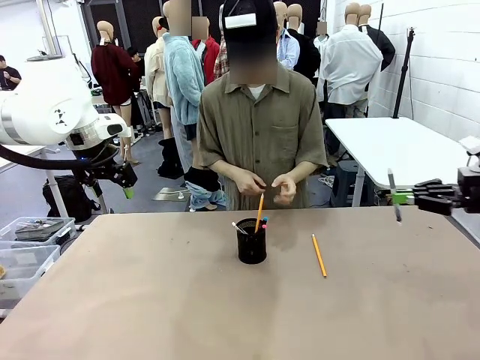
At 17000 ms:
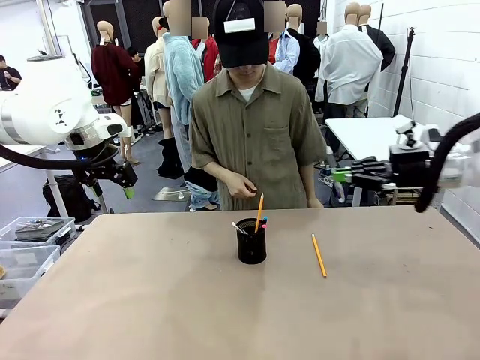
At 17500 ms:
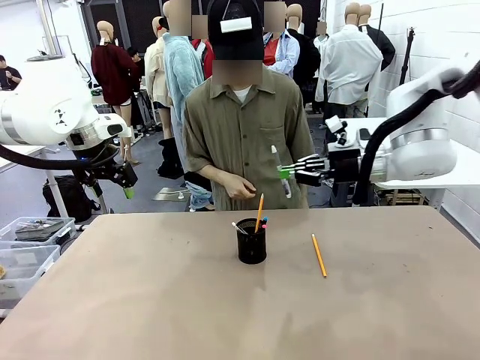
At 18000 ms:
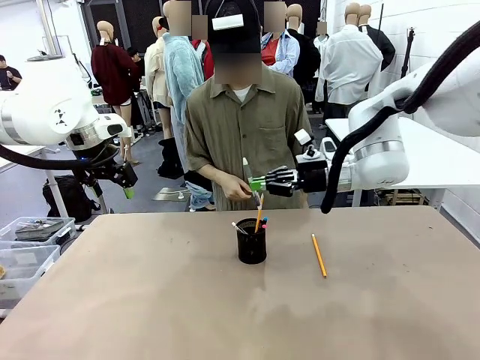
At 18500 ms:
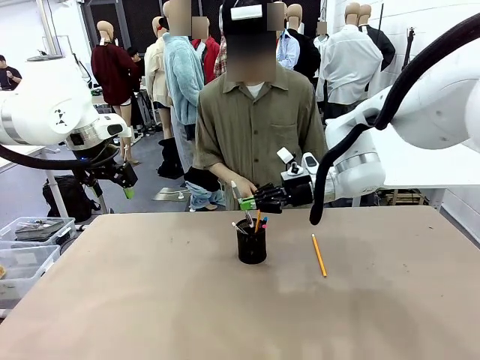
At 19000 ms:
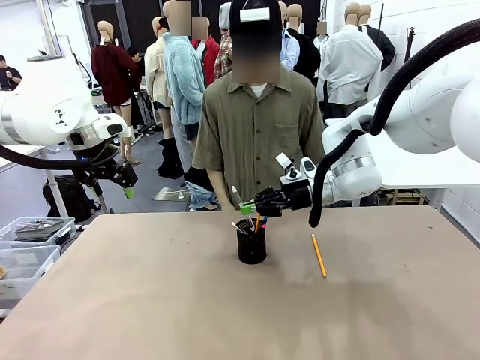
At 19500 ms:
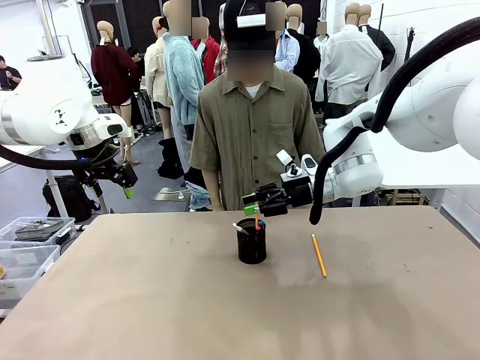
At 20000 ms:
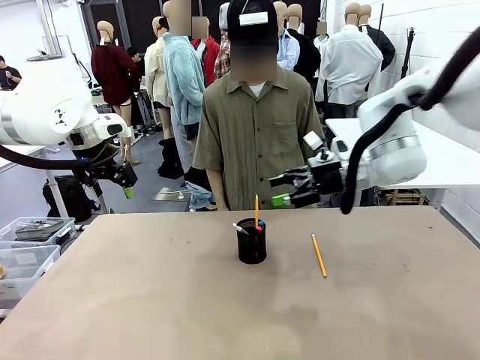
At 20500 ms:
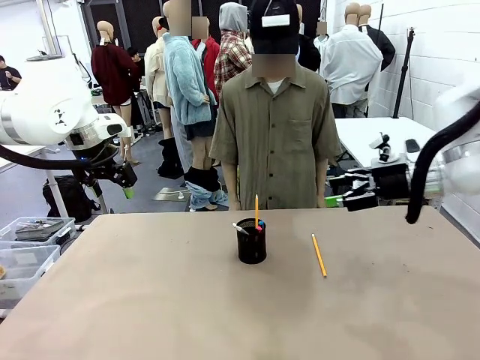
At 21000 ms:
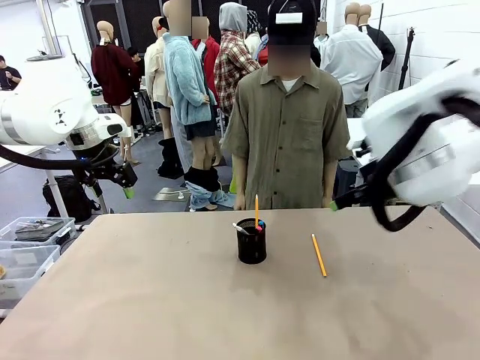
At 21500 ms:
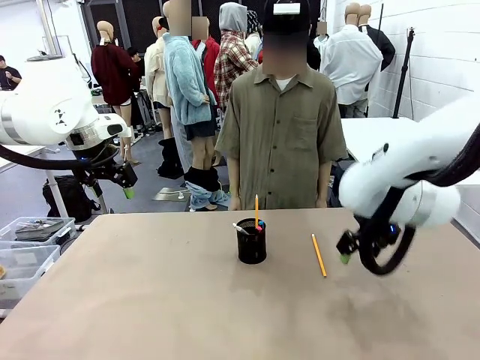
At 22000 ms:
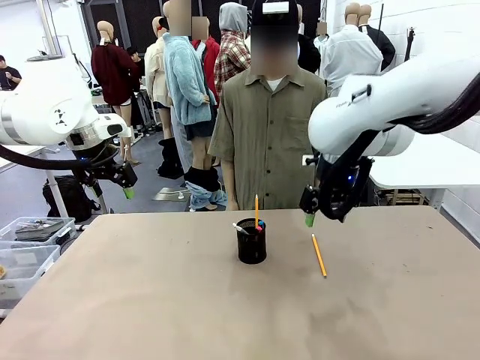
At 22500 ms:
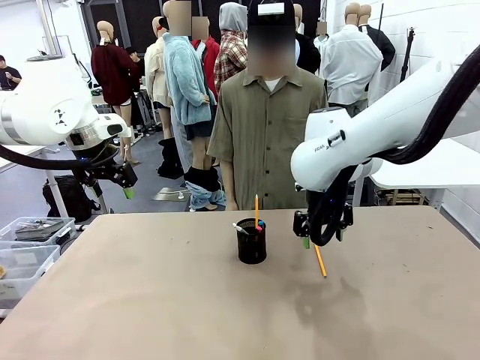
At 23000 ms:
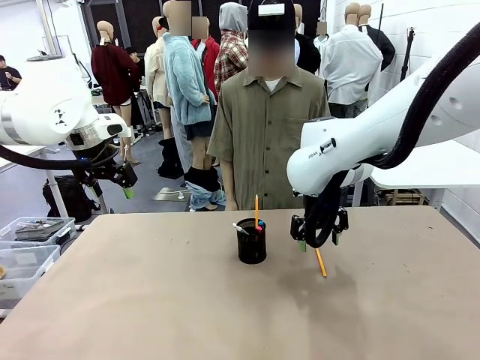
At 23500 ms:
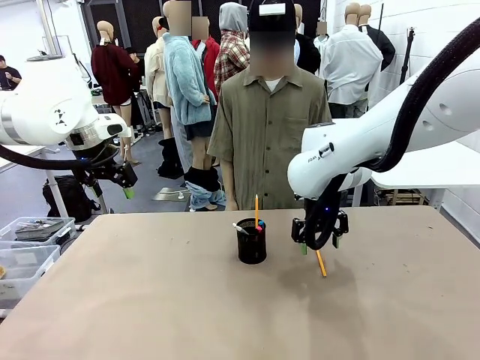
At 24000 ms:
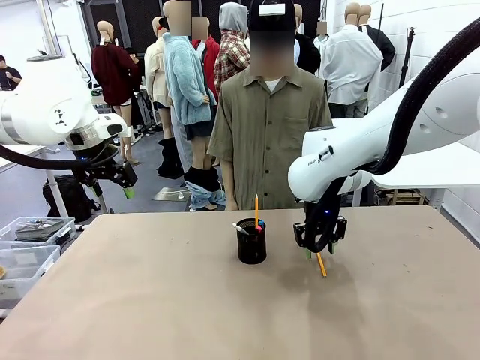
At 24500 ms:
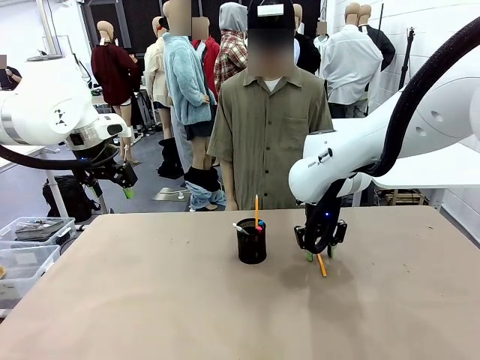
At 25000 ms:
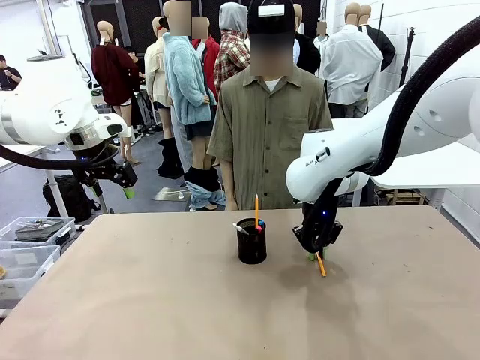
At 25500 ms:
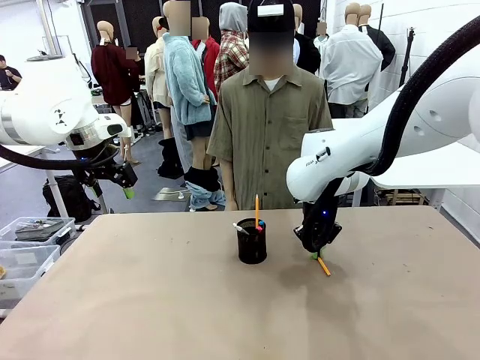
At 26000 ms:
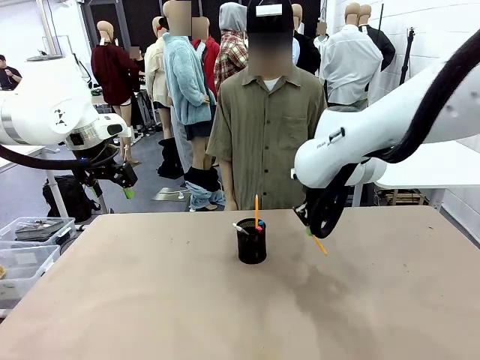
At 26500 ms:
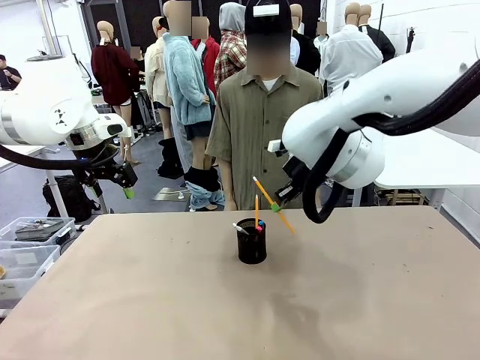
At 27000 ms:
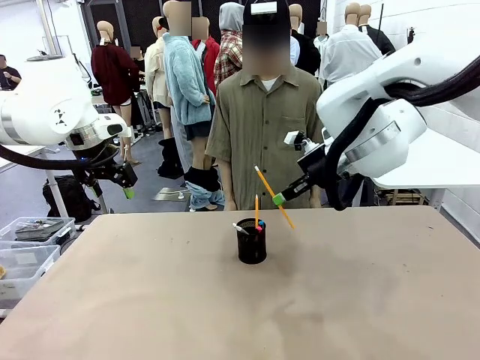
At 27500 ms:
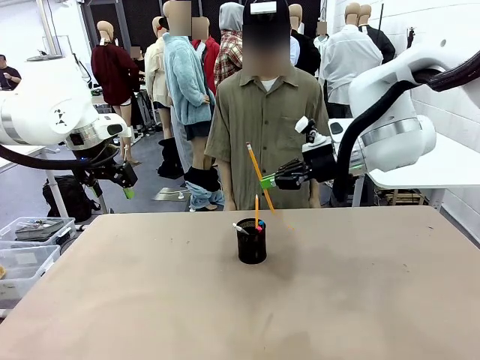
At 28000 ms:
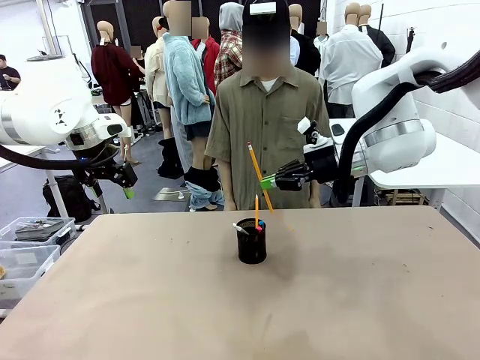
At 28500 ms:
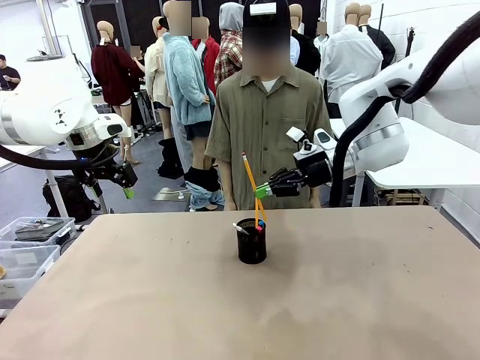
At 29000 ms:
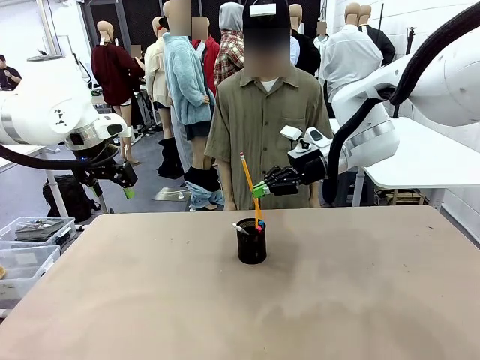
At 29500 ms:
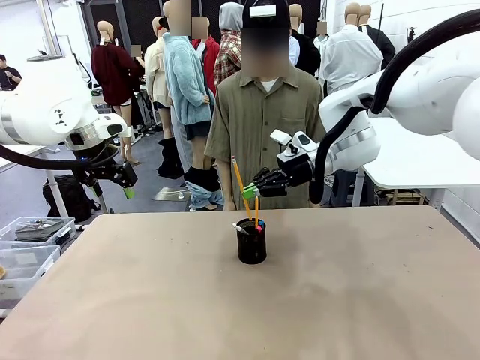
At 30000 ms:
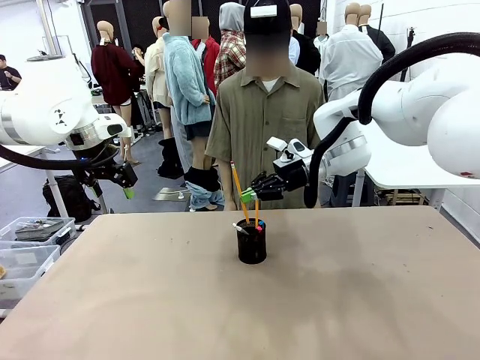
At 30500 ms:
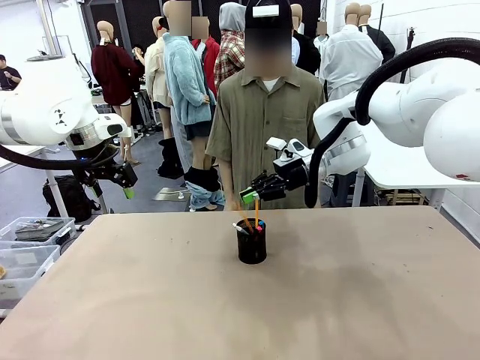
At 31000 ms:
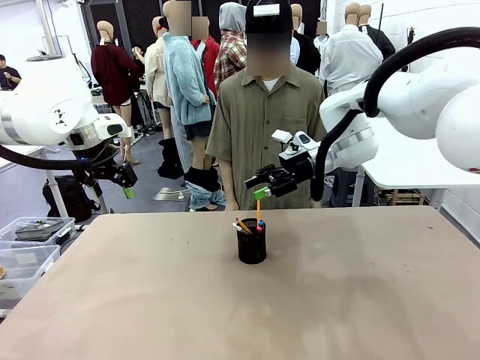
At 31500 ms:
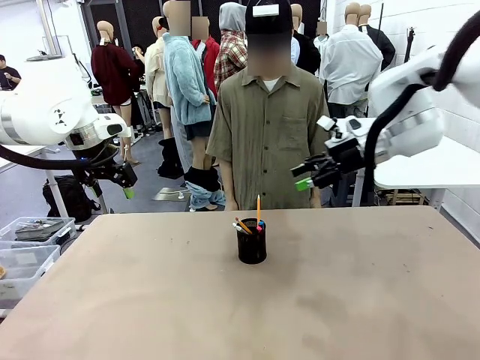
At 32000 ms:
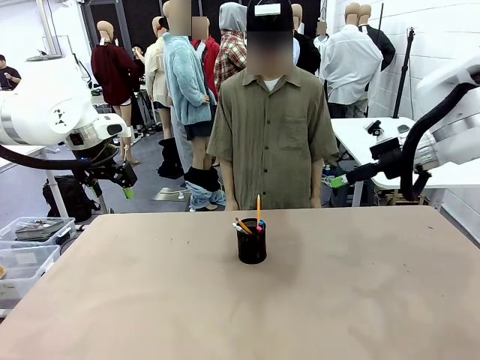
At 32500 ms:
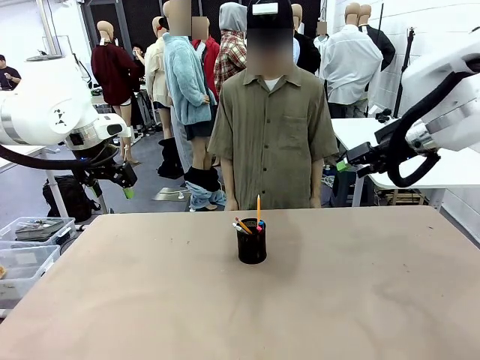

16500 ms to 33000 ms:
Task: Place the pens into the pen holder.
Robot: Pick up a writing instrument from the table and place it into the Pen holder.
Person: Place all writing instrument into the Pen holder.

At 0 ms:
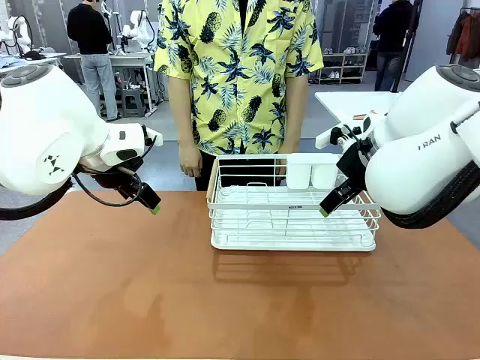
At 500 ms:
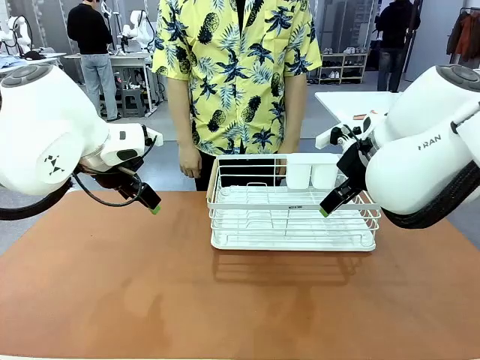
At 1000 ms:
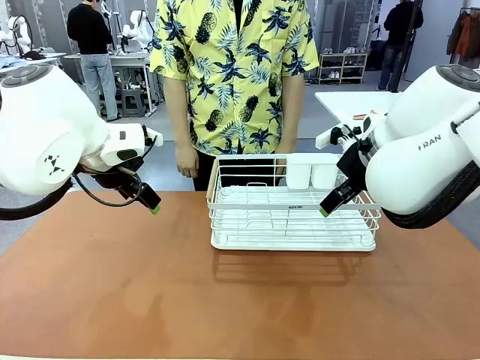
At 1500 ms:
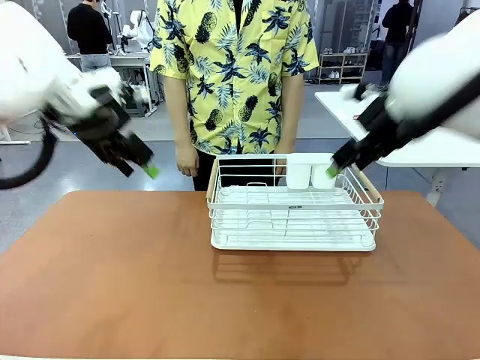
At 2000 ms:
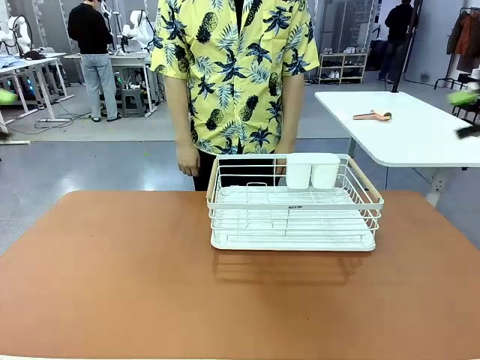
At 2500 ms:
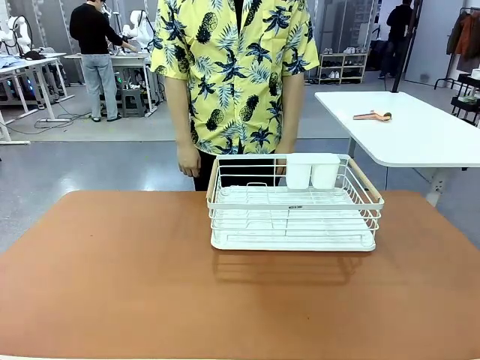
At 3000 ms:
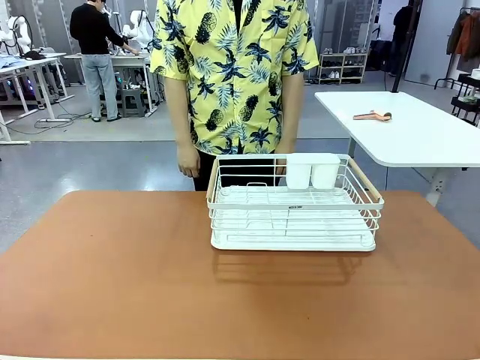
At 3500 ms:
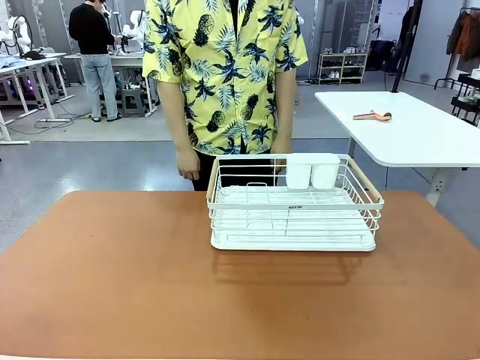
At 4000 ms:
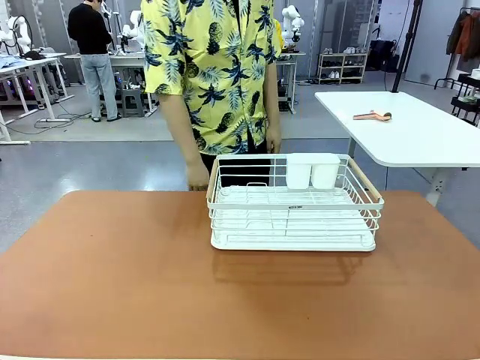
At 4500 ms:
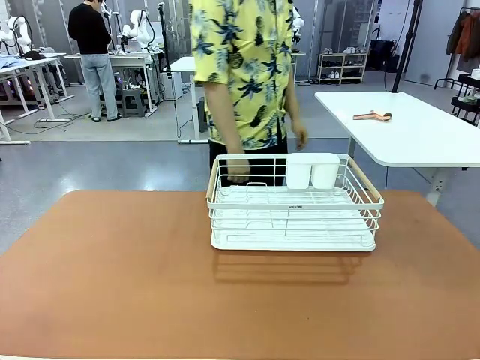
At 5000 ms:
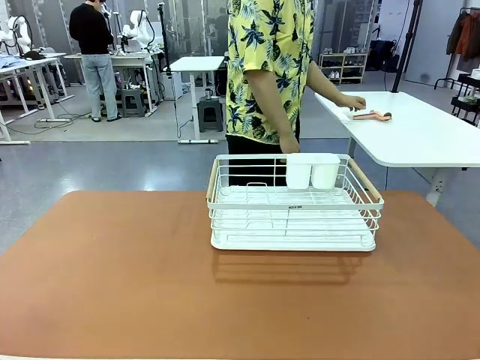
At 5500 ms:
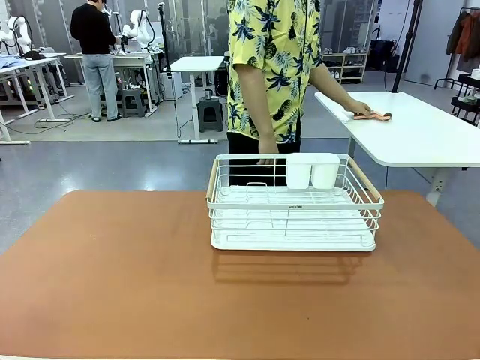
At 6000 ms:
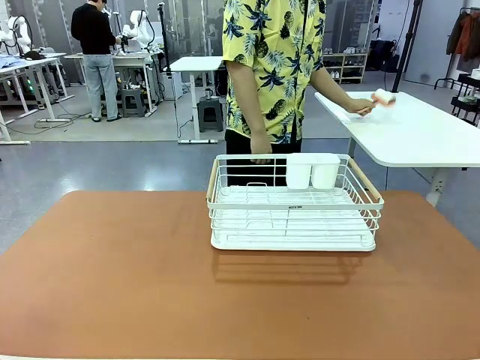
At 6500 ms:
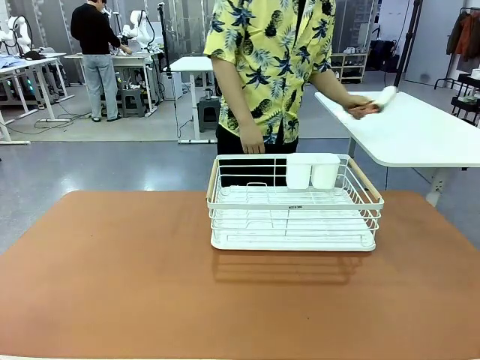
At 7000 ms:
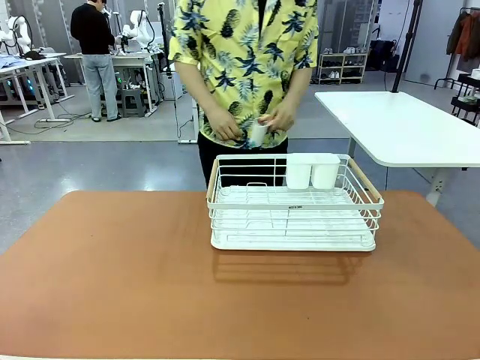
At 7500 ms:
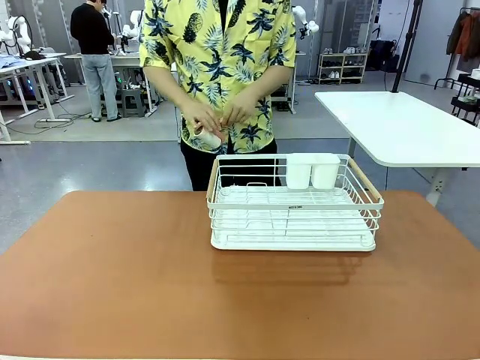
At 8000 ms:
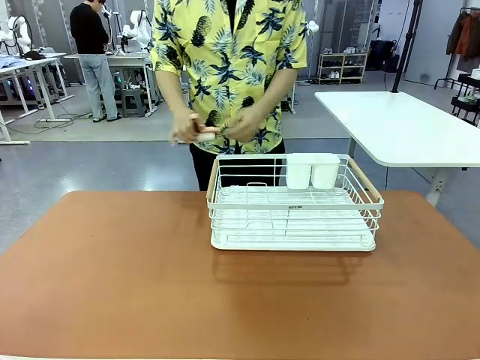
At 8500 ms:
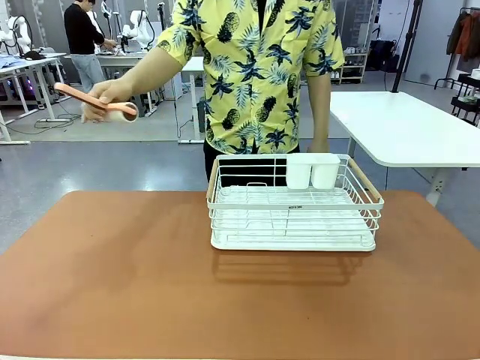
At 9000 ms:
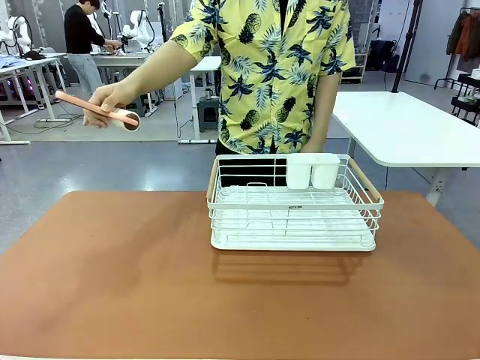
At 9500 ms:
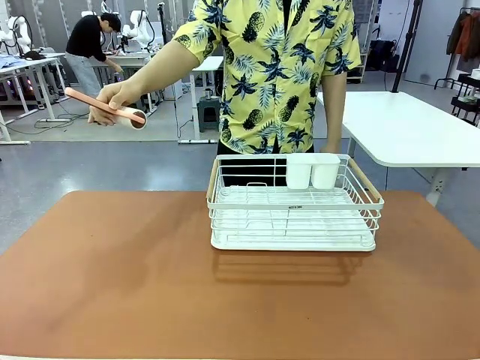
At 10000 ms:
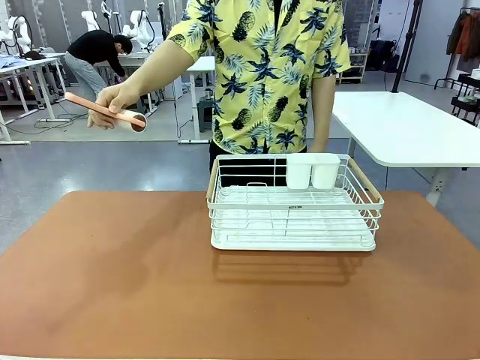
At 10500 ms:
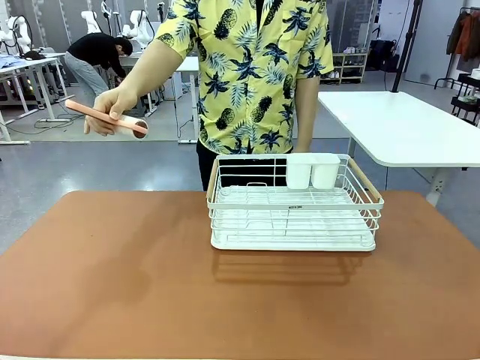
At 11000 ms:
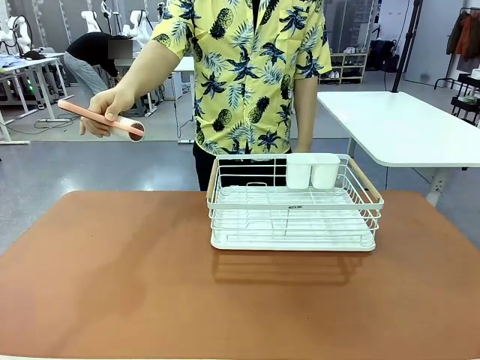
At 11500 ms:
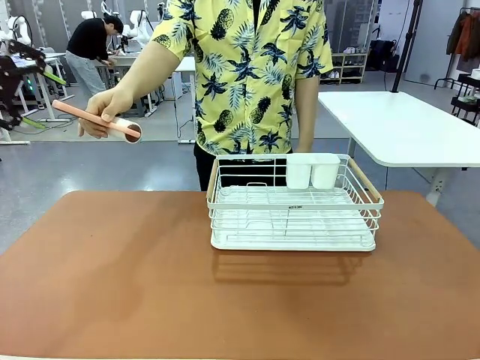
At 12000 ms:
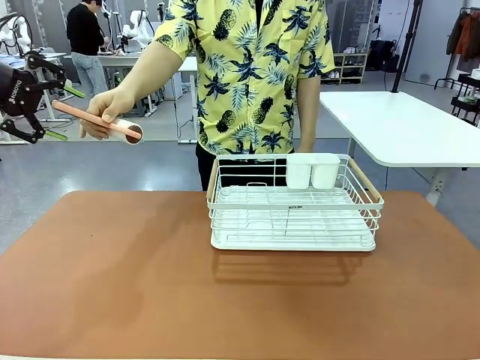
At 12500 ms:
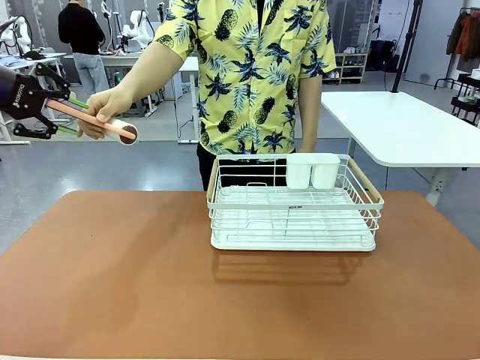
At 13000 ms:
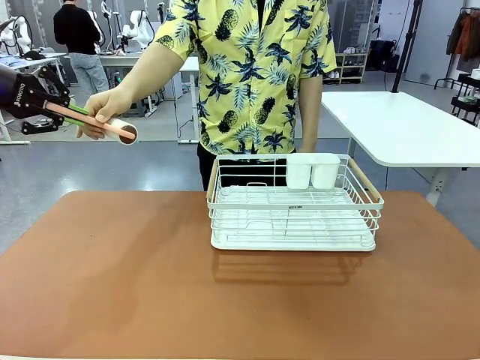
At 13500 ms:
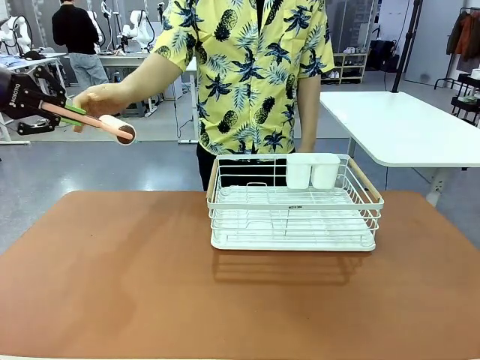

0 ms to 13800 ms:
Task: Clean the table.
Robot: Pick up the Lint Roller when the human hands it over.
Person: Hand the Lint Roller to the robot so it can easily pick it up. Lift the Dish drying rack.
